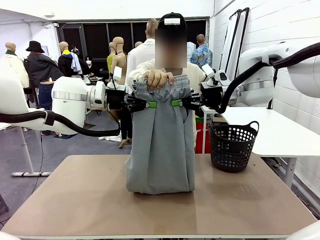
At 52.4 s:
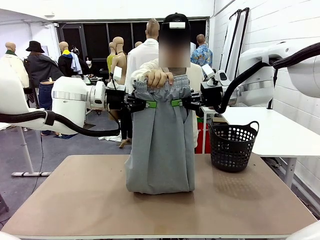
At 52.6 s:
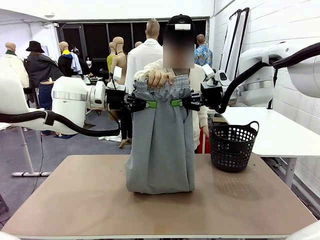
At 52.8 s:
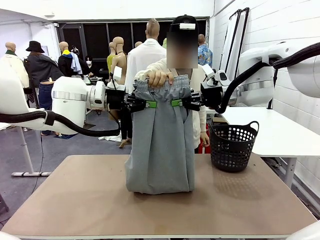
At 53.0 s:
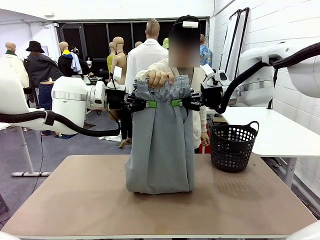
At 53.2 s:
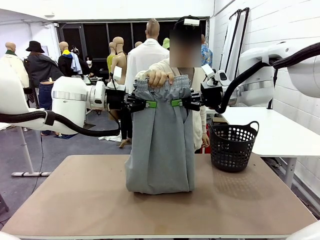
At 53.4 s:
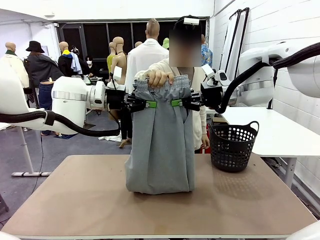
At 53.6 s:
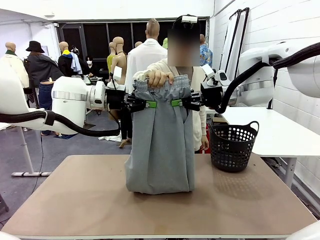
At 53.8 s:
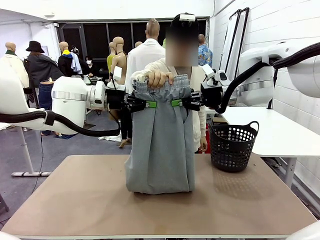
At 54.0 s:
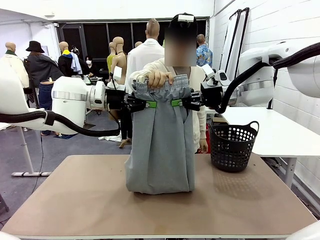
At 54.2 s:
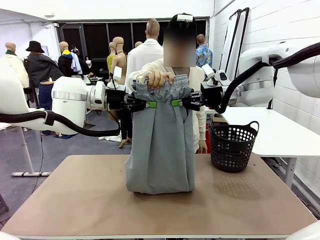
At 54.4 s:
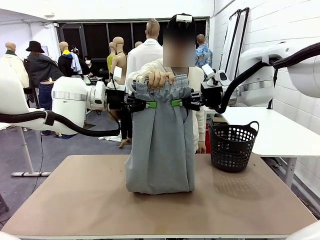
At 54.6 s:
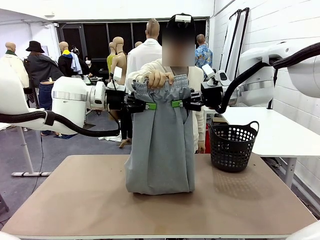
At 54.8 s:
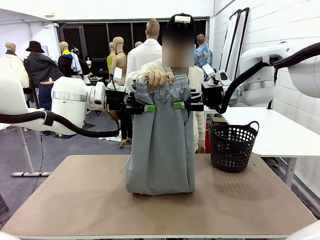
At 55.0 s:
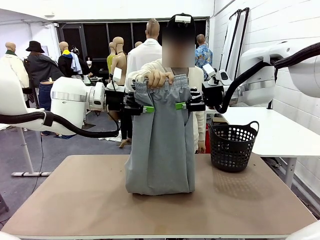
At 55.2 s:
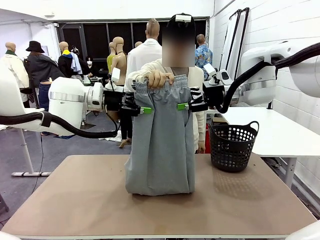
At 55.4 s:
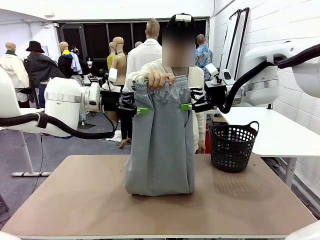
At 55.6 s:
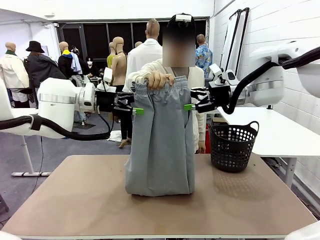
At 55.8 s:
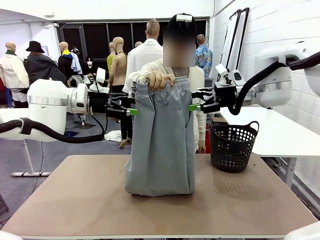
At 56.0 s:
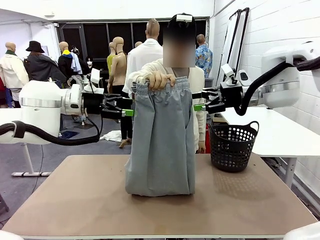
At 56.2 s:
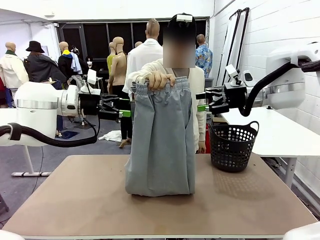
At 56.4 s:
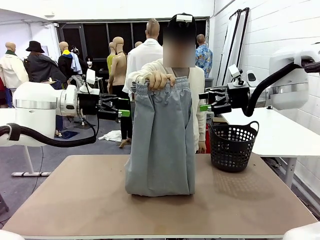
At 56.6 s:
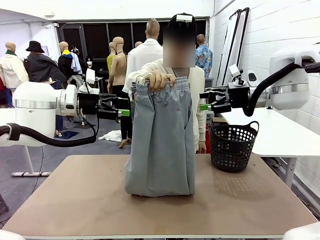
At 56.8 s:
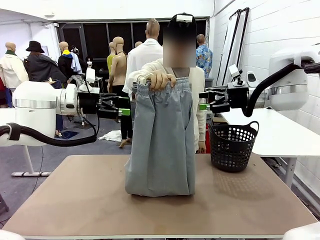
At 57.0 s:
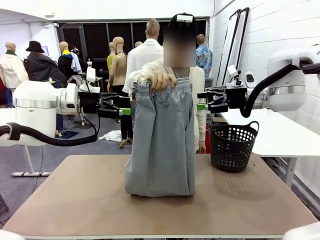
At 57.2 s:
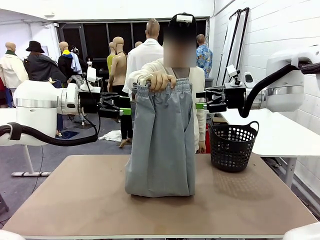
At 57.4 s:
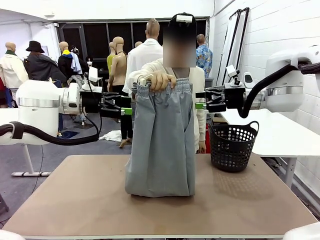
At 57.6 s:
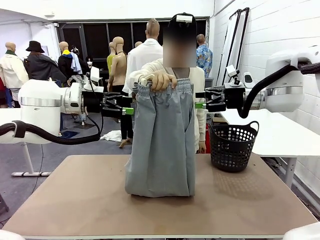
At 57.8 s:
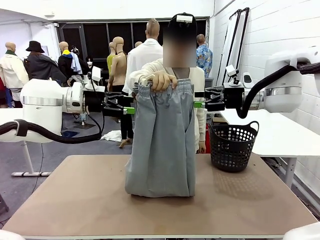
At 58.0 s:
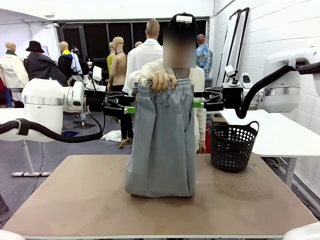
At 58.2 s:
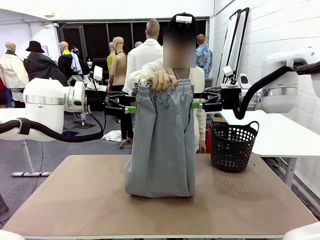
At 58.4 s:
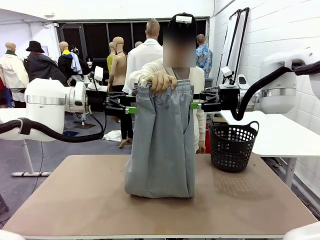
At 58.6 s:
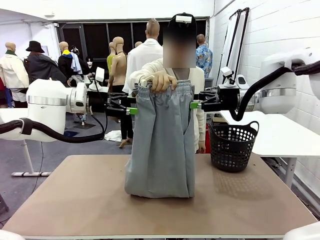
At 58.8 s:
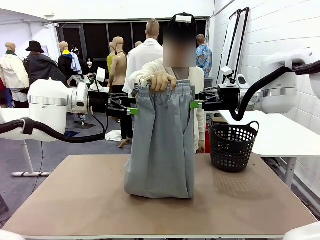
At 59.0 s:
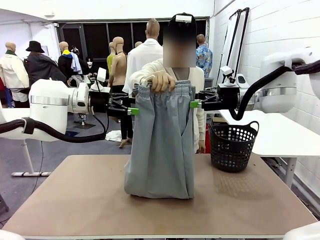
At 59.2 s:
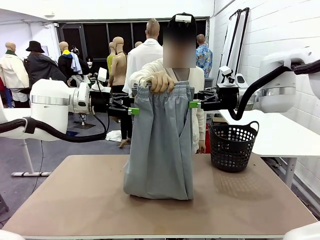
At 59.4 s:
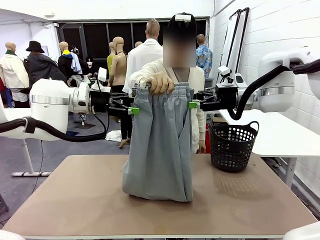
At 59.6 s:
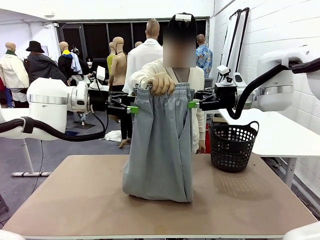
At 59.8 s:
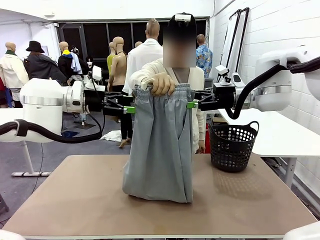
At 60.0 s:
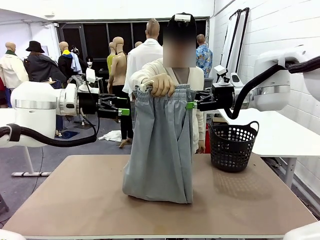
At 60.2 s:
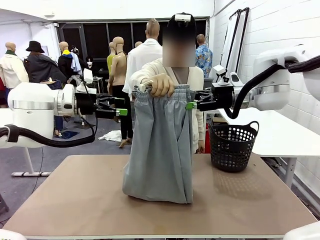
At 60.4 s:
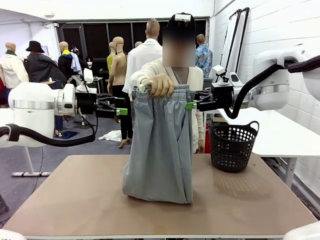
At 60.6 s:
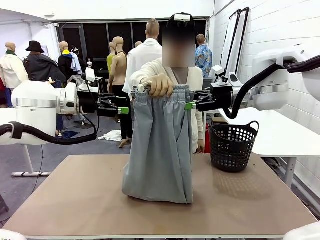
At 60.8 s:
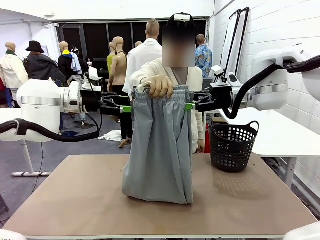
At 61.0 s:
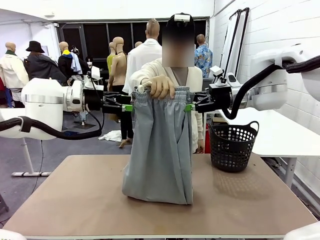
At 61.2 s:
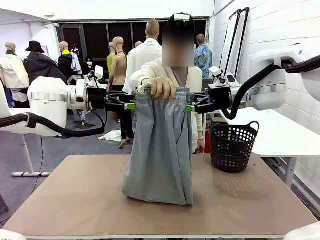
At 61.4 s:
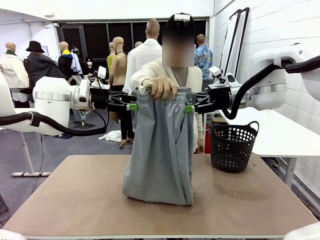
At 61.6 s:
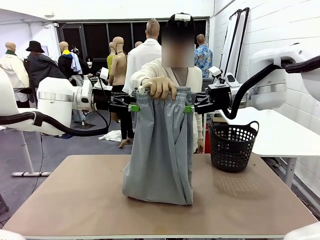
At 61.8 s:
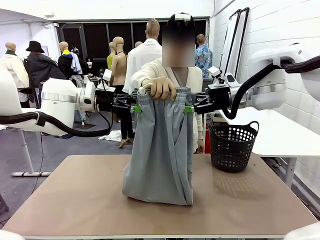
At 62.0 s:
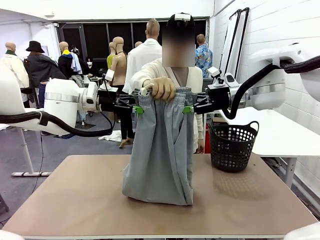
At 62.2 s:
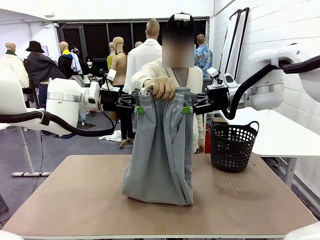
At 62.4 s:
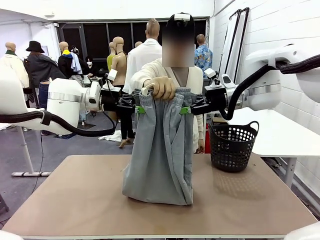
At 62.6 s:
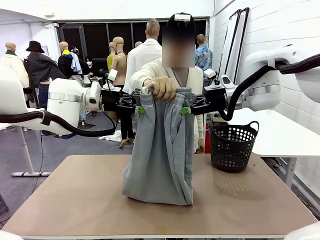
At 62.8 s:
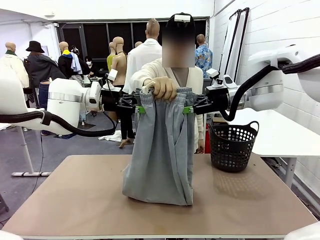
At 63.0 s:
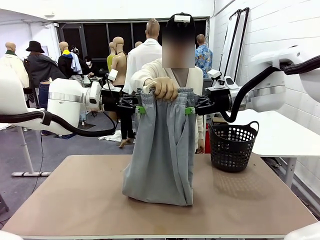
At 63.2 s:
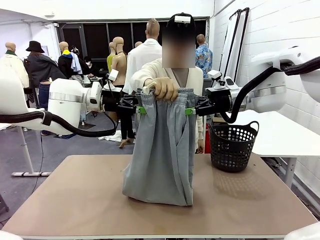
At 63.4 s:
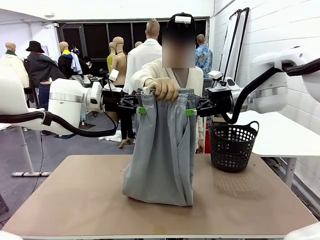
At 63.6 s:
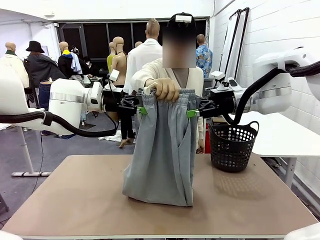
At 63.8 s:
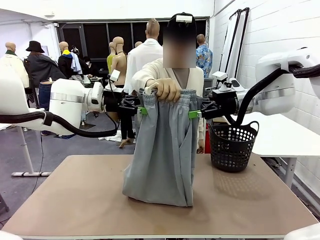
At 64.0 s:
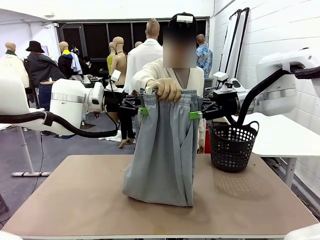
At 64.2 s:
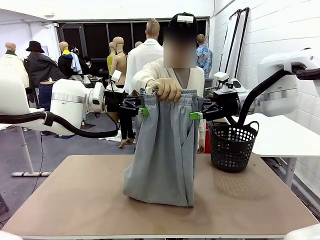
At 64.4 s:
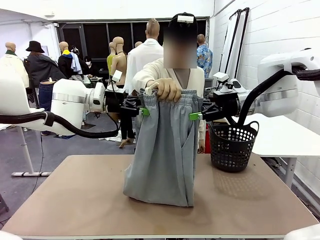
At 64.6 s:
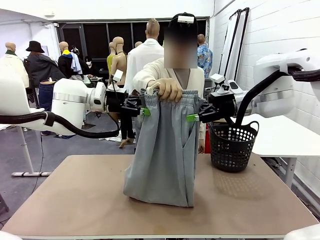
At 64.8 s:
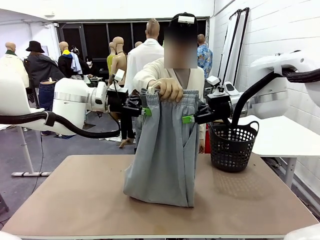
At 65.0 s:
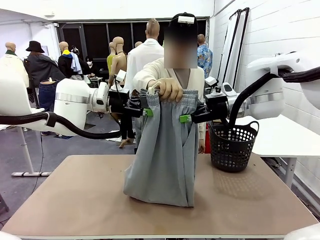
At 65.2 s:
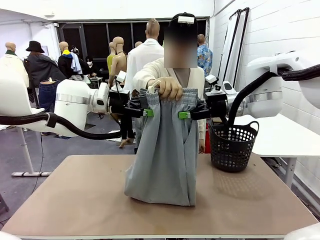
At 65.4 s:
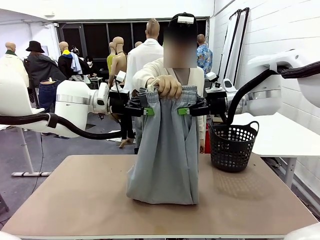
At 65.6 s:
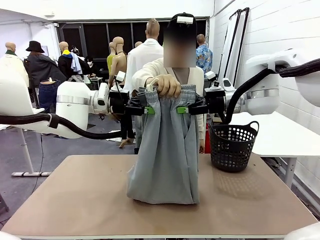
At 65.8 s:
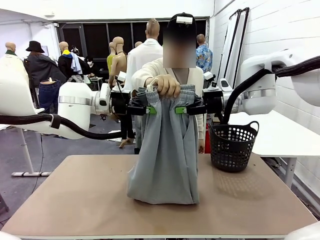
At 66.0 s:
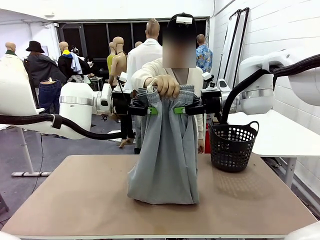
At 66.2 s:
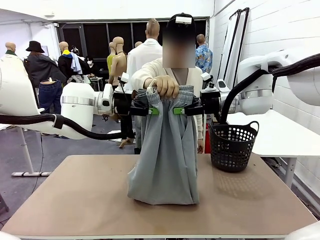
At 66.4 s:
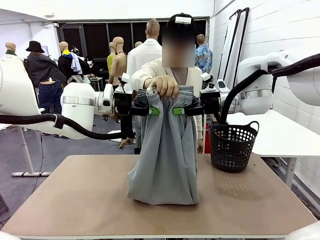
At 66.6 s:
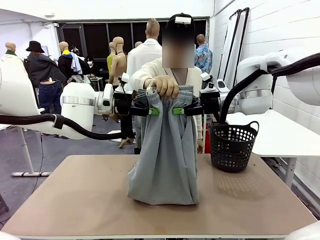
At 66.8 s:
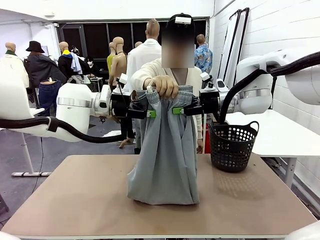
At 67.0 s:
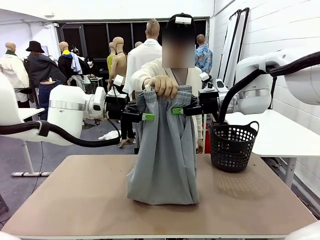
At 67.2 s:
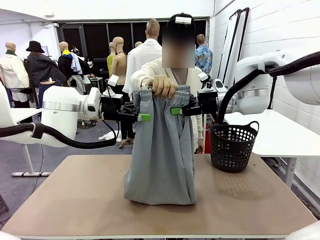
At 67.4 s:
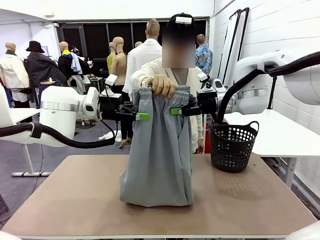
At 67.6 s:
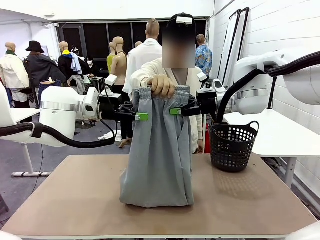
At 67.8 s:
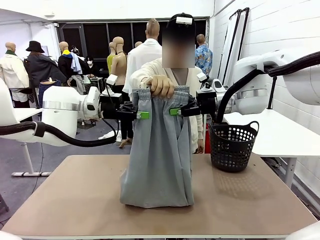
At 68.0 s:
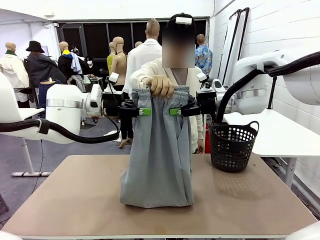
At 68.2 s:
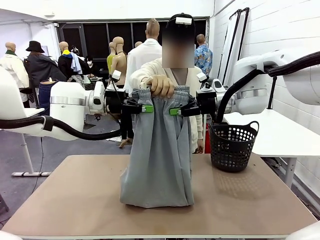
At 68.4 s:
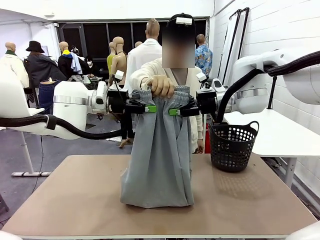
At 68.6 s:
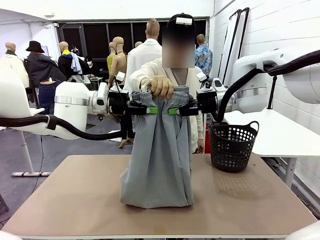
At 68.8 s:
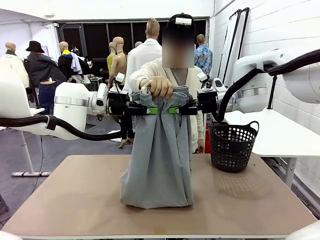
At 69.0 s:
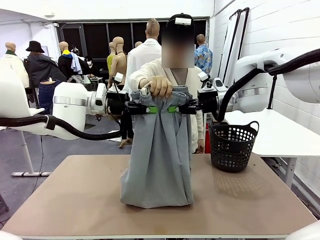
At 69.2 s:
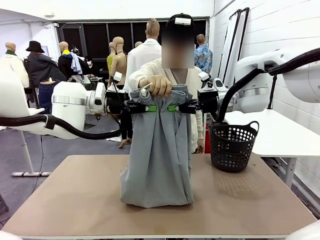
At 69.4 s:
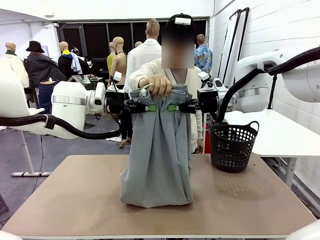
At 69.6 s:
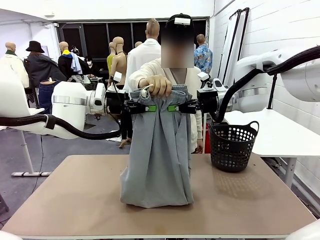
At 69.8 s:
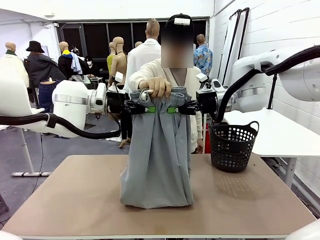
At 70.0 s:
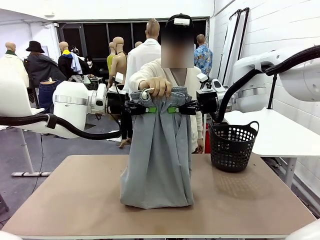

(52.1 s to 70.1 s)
Task: Fold the training pants.
Robot: Release the ends of the Training pants and then grab the overlapped ends.
Person: Release the pants you were holding.
